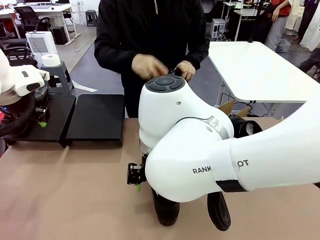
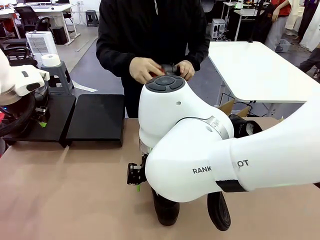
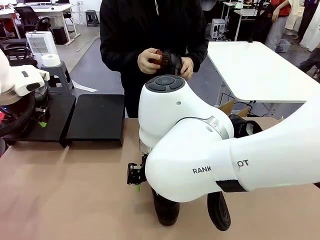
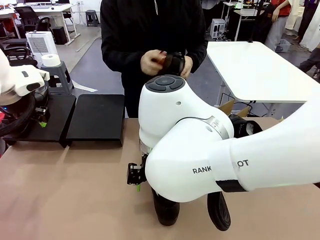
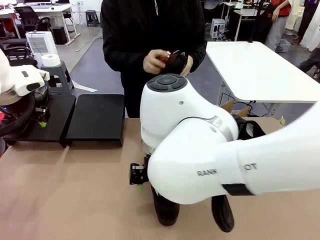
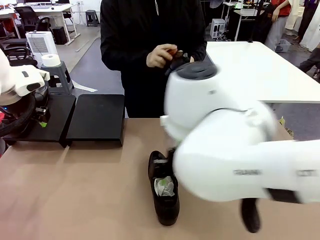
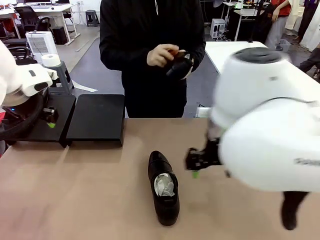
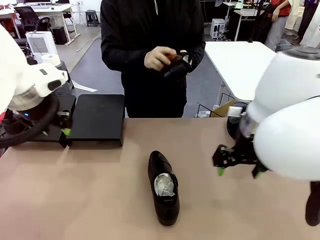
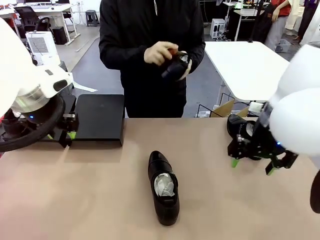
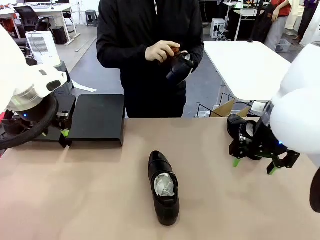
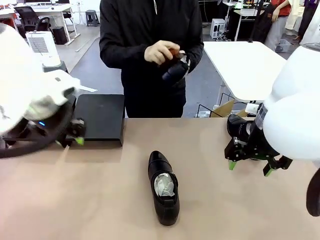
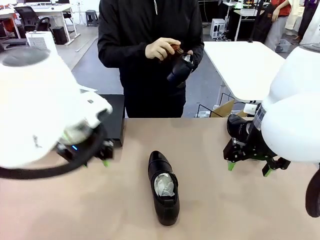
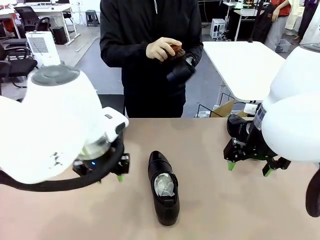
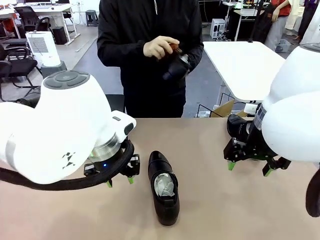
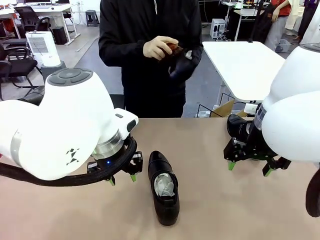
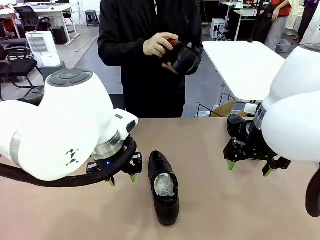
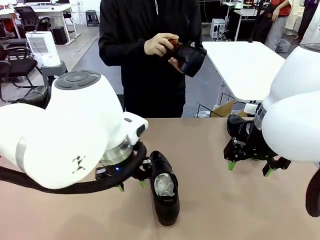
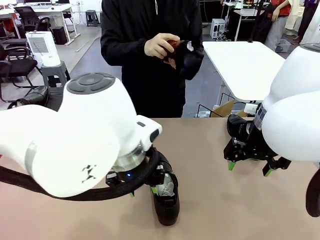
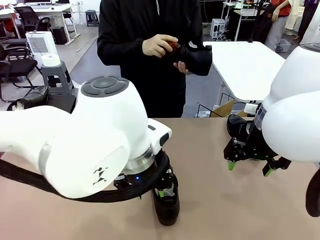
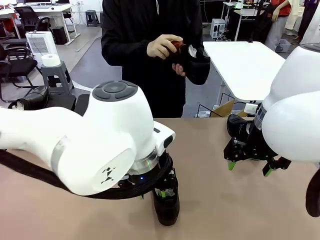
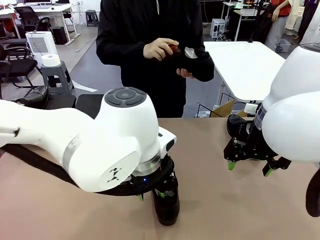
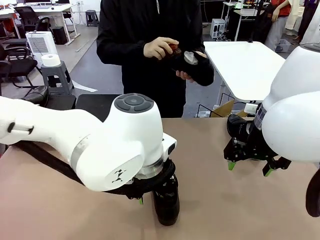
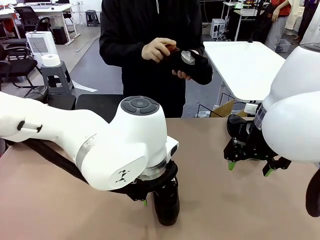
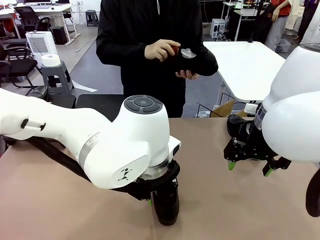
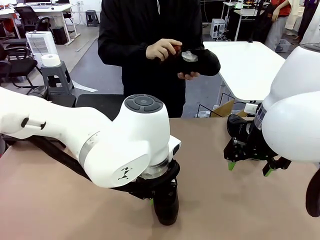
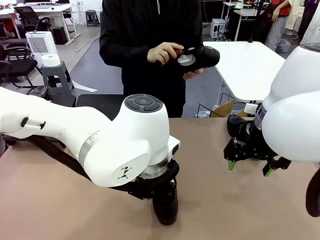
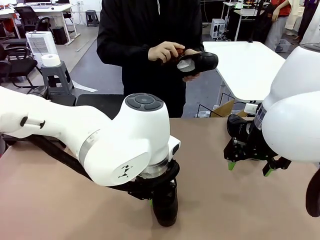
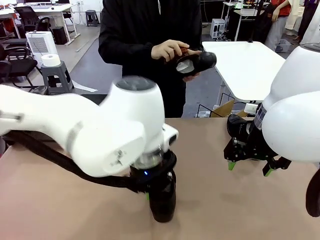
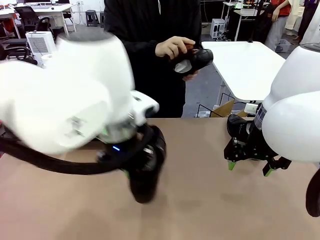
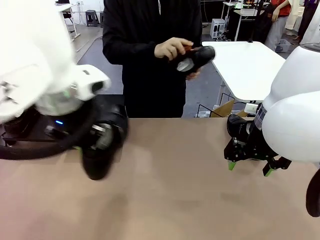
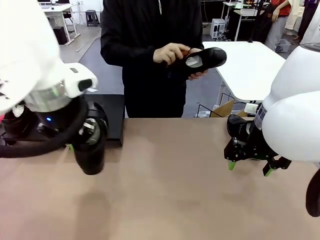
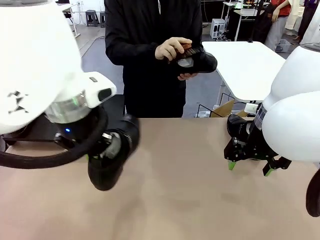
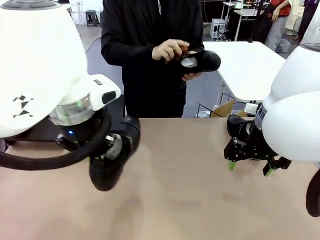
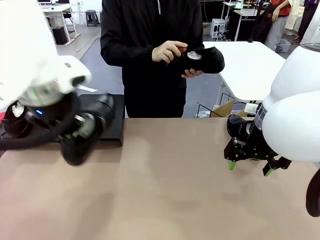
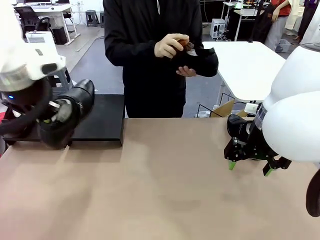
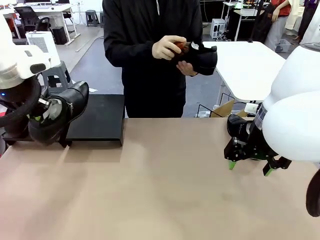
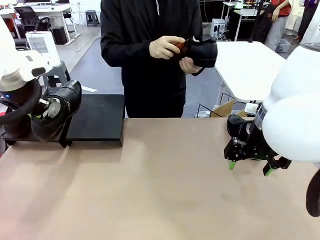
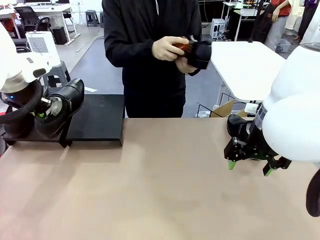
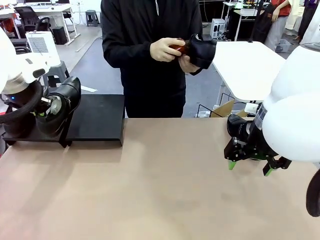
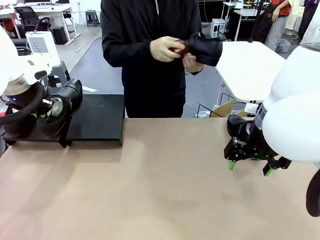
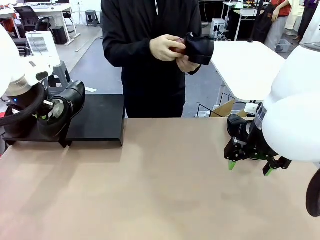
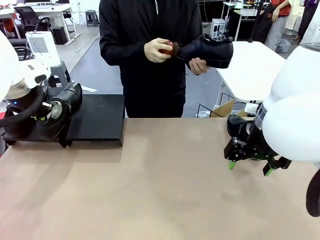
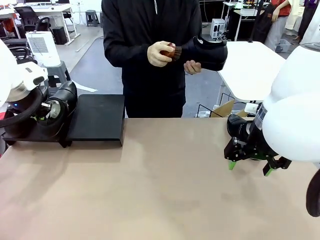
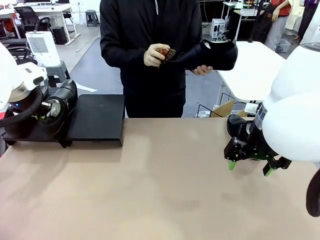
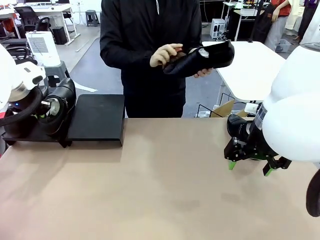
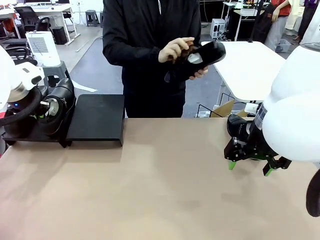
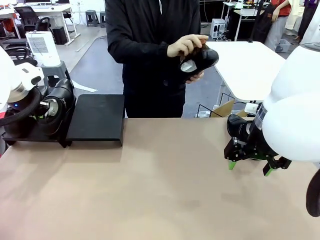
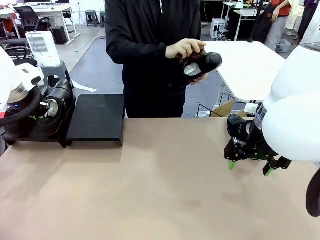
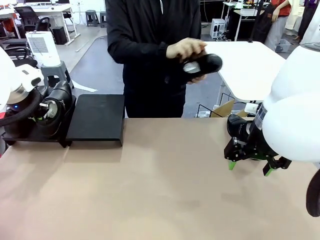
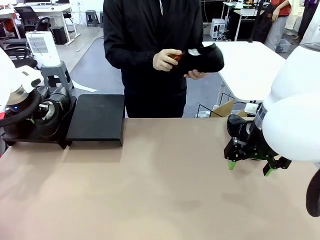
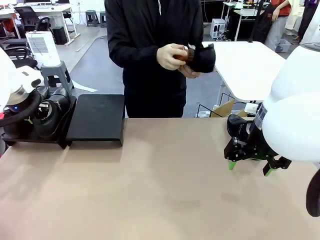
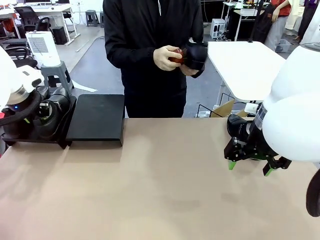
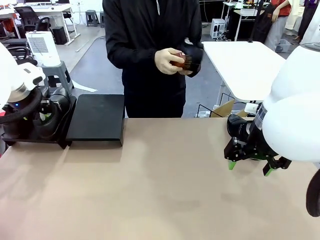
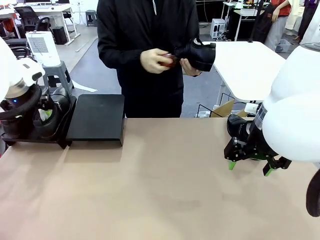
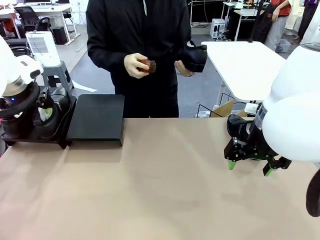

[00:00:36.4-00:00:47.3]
Task: Organize the shoes by placing them on the stand.
Robot: Place the Shoe from the middle of the table onto the Shoes Stand.
Person: Clean the Shoe with the Shoe Brush.

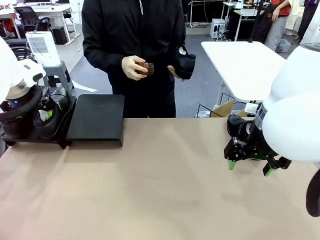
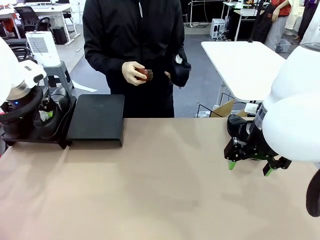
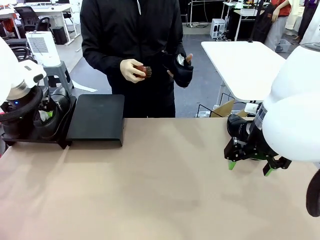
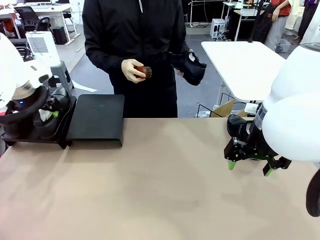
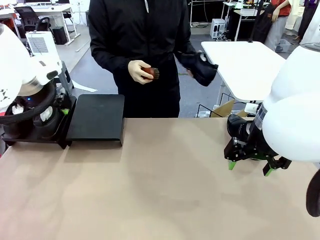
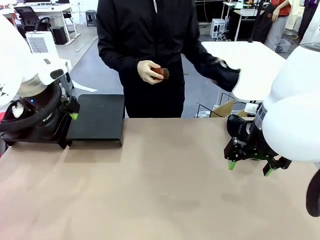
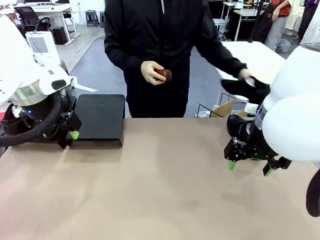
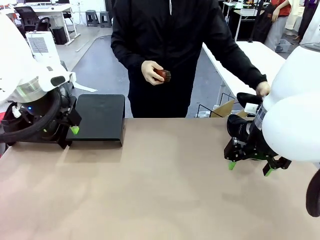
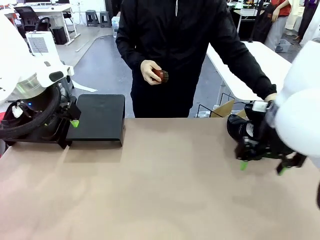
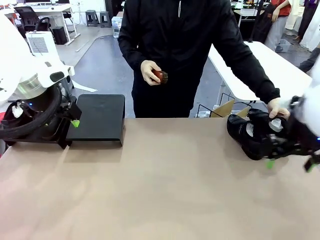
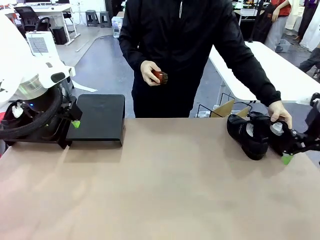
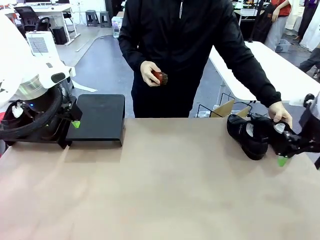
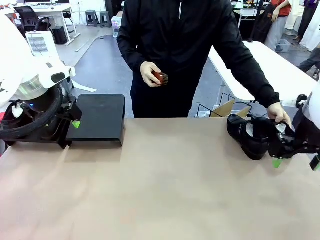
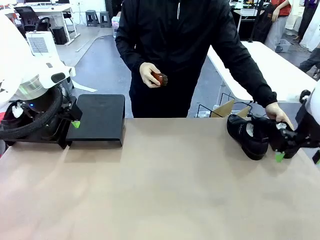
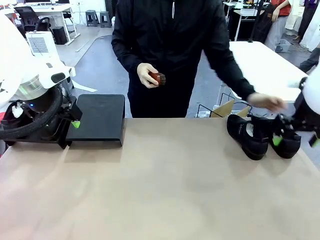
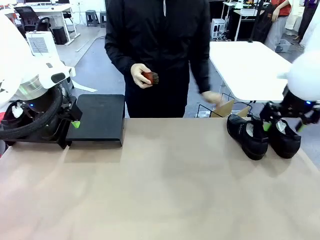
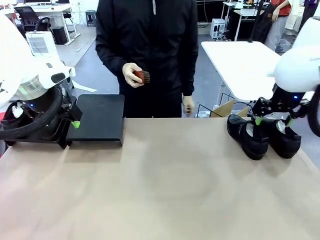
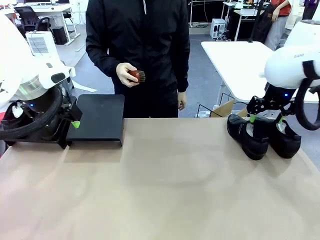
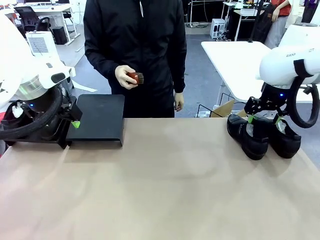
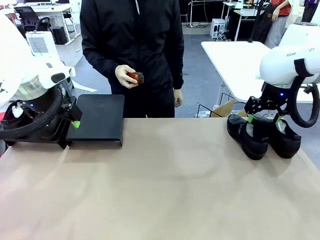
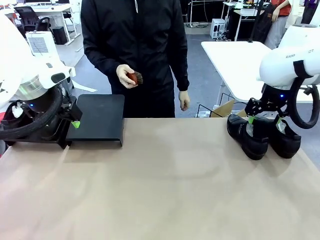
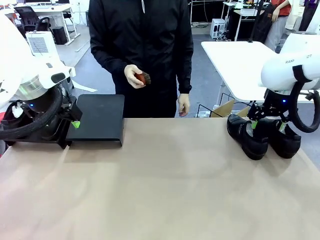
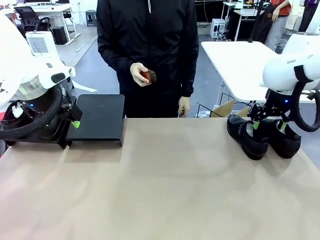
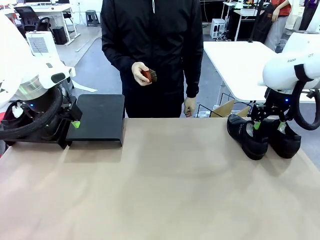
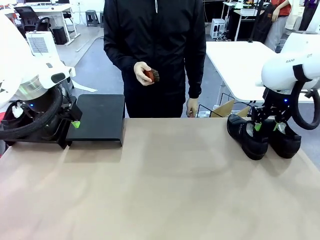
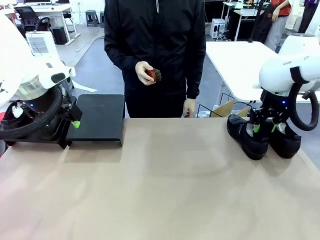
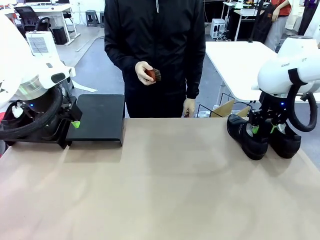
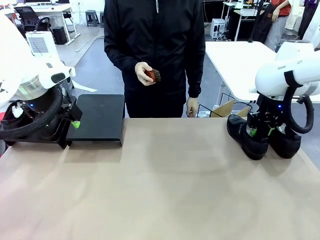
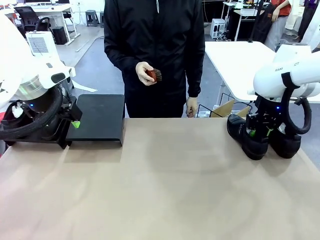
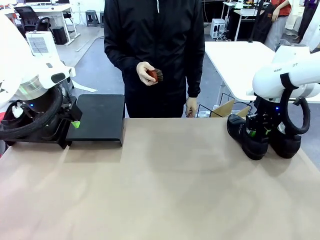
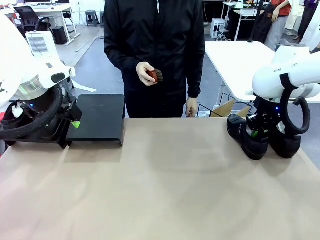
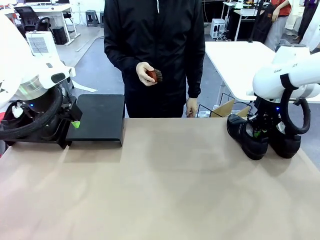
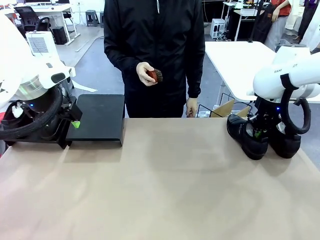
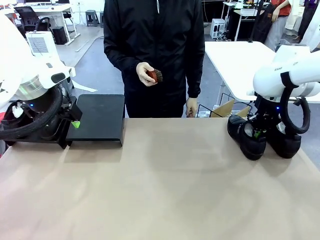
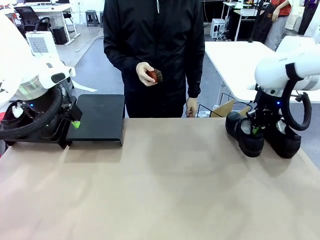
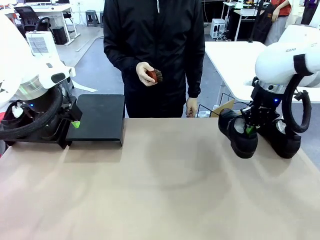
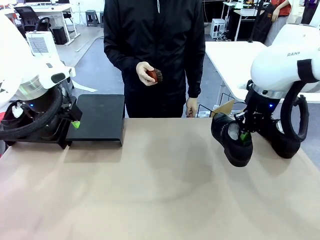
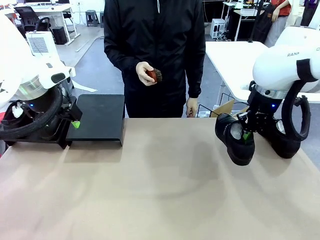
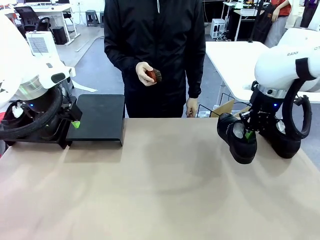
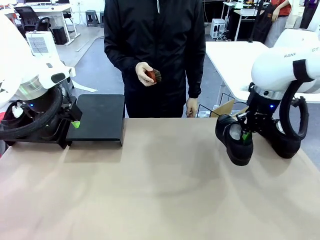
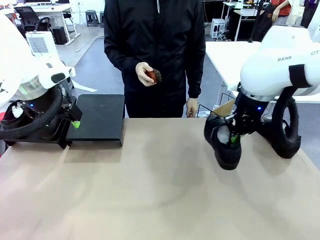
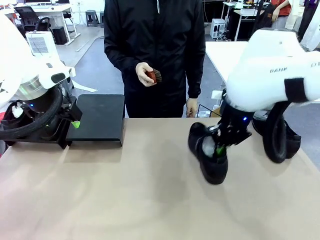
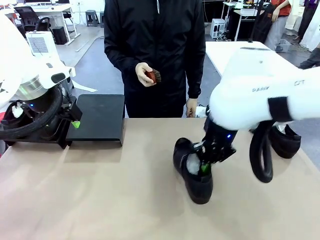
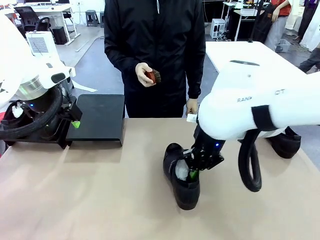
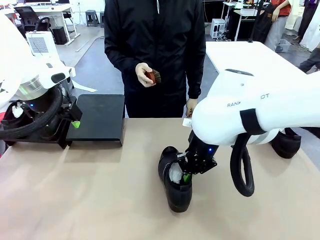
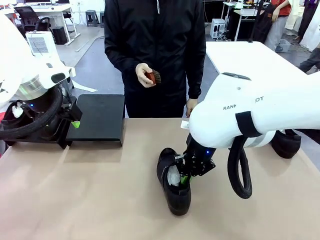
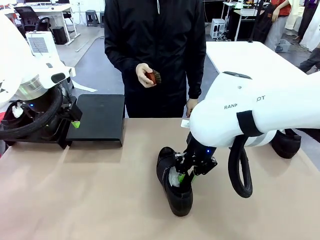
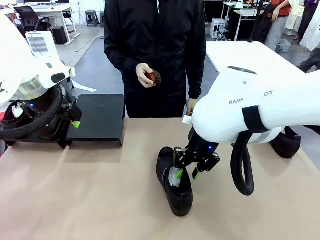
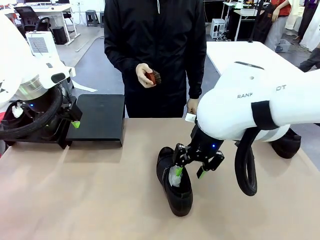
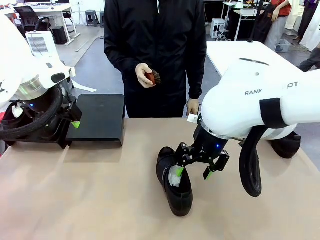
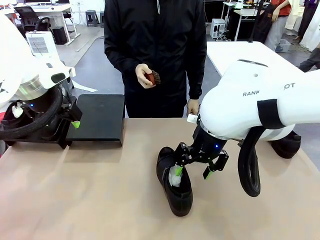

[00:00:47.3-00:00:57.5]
Robot: Pick up one Shoe and place it in the middle of the table.
